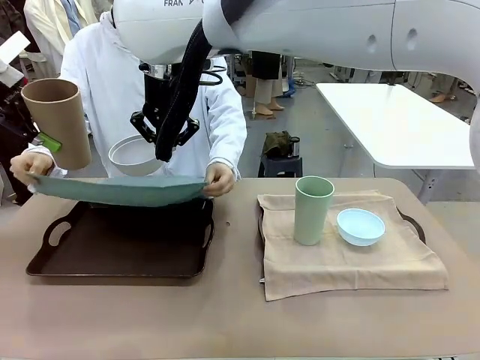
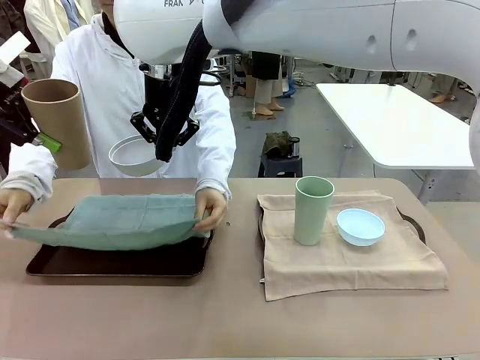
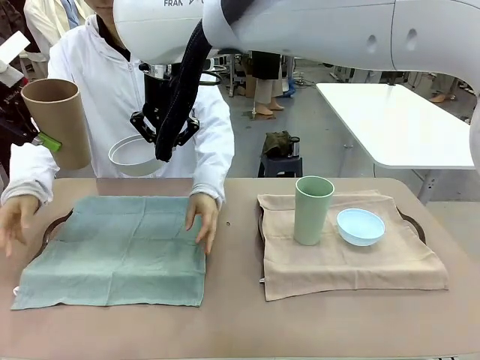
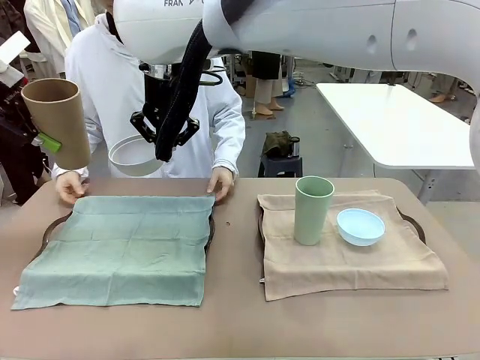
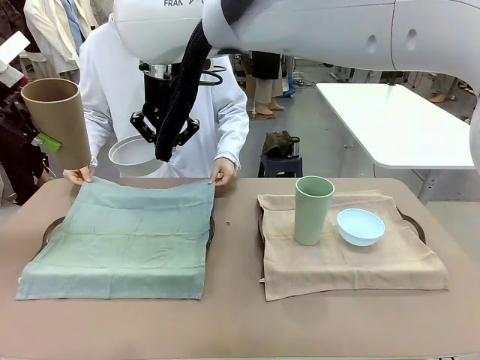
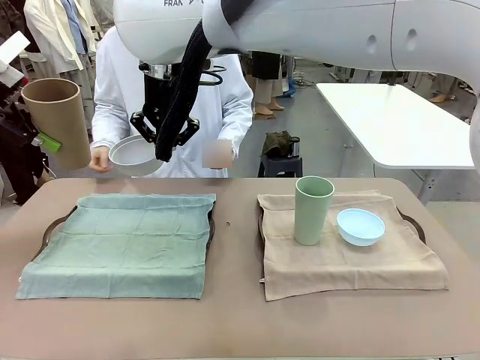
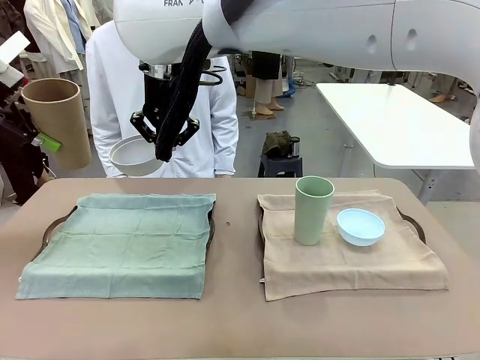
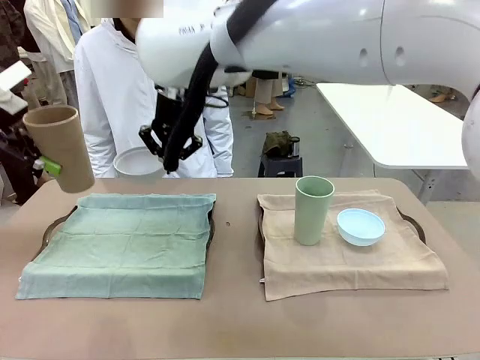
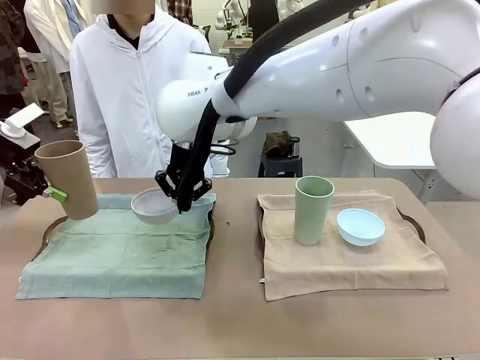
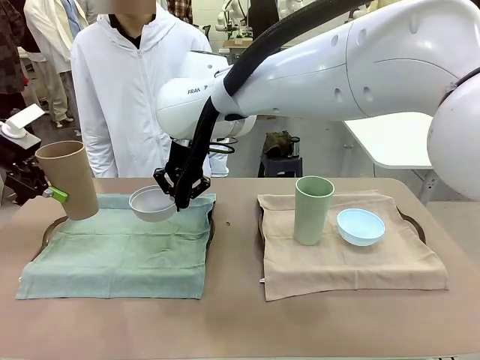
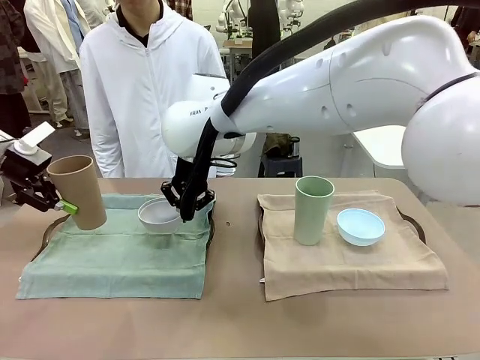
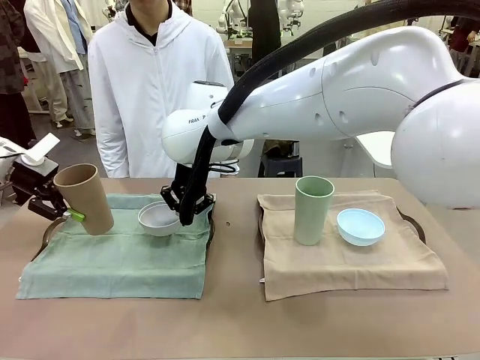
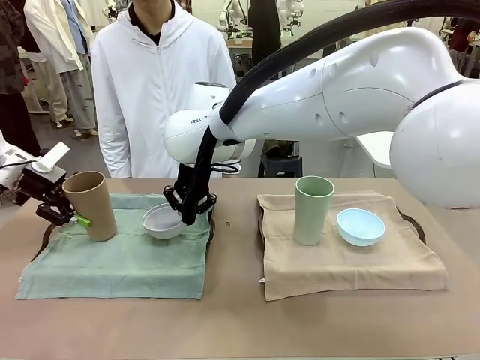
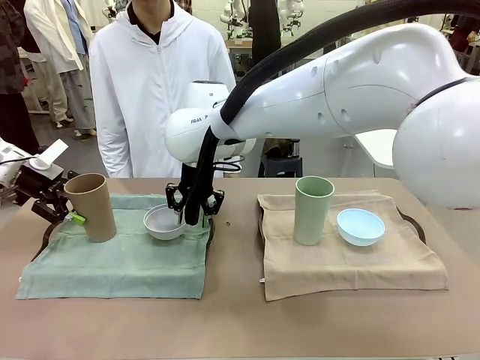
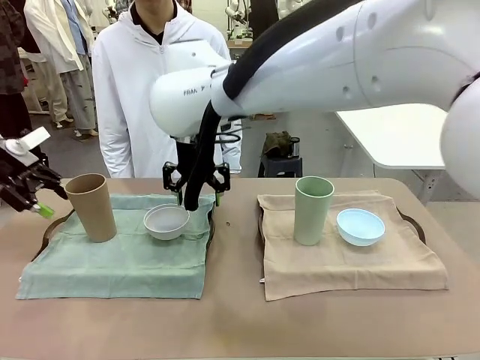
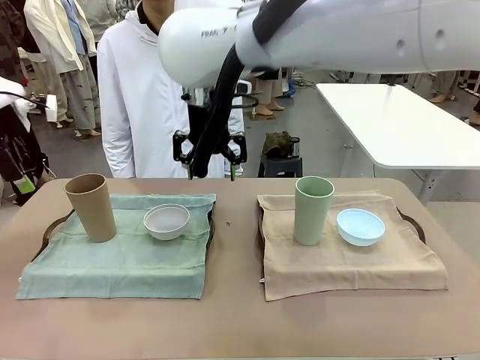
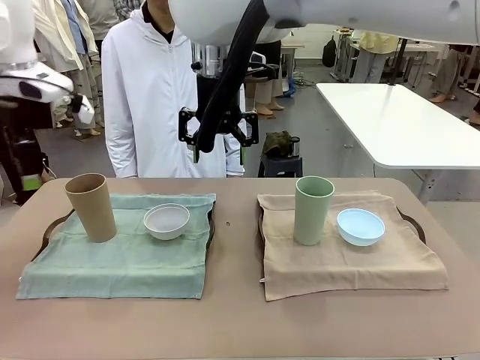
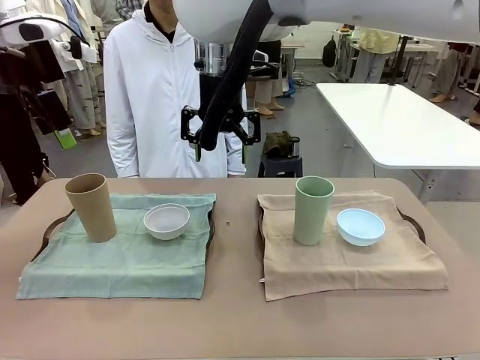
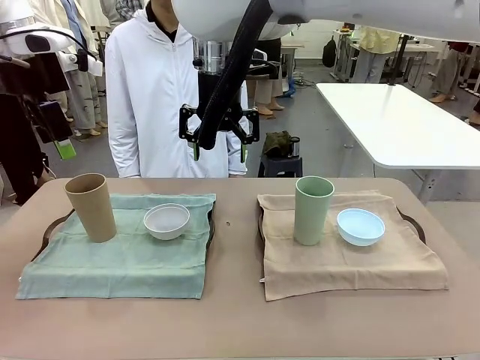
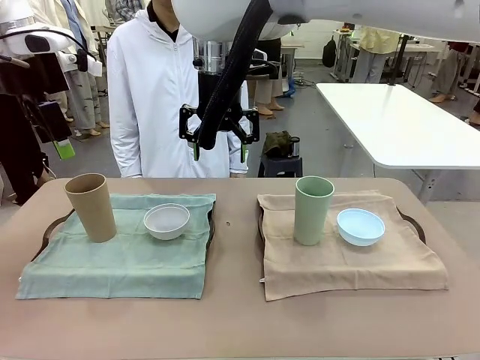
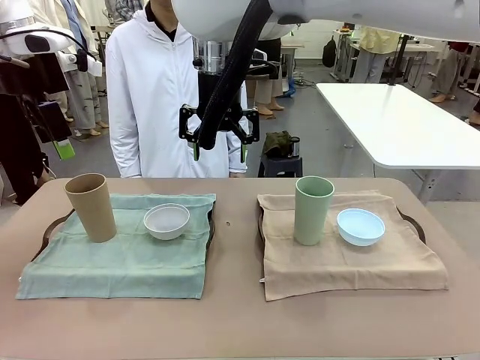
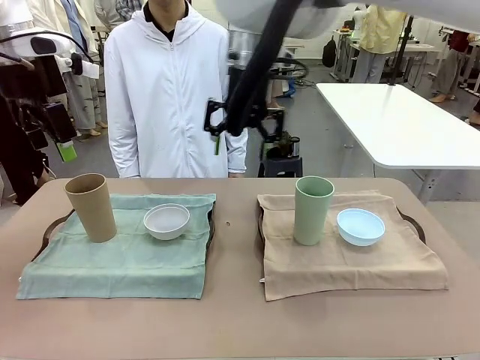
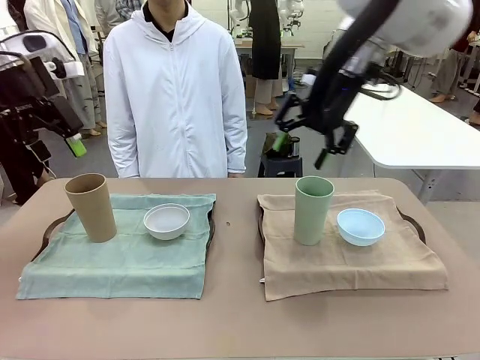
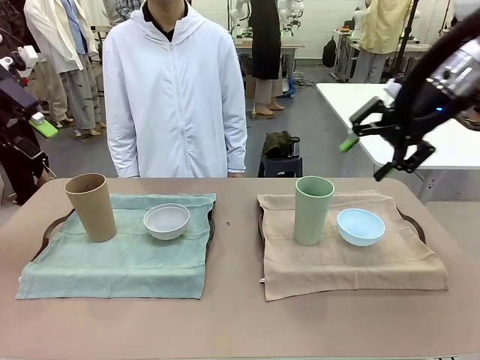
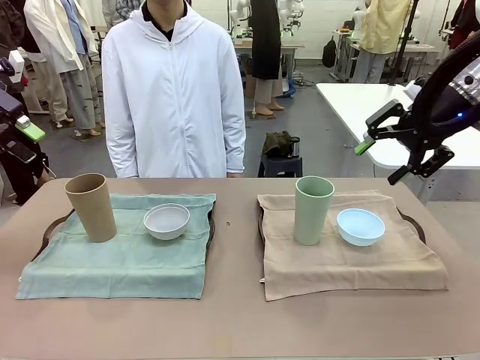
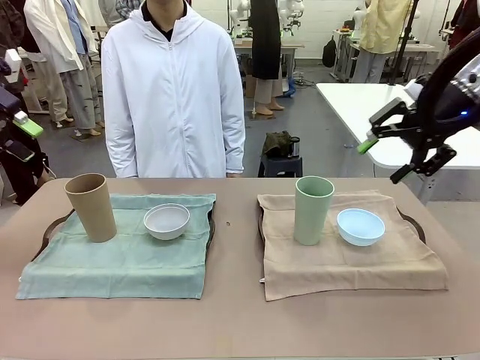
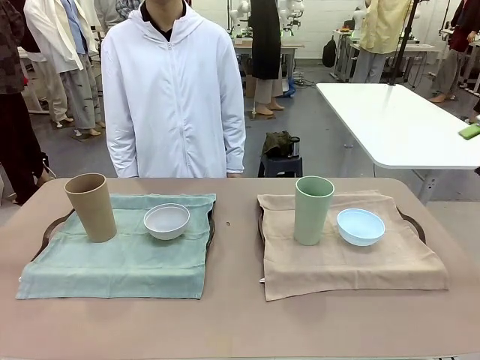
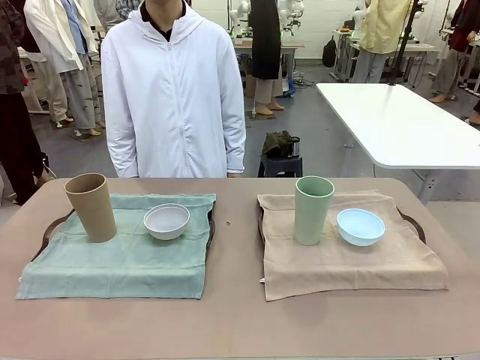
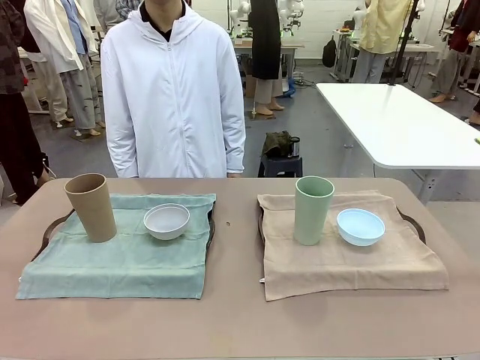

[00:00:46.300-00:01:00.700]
Robot: Place the Picnic Bowl and Reusable plastic cup back onto the Handle tray in front of the human's position.
Person: When the robot lifts the bowl and the cup, the human unfolds the napkin and lays the napkin flat on the tray.
